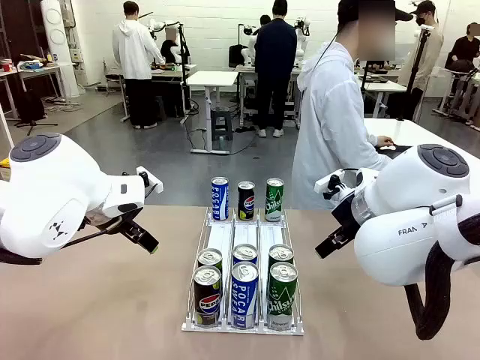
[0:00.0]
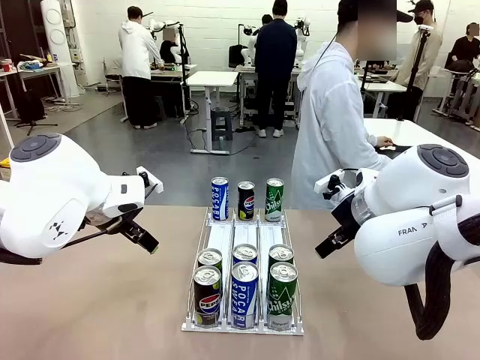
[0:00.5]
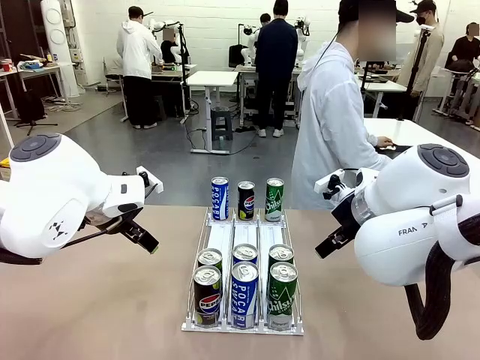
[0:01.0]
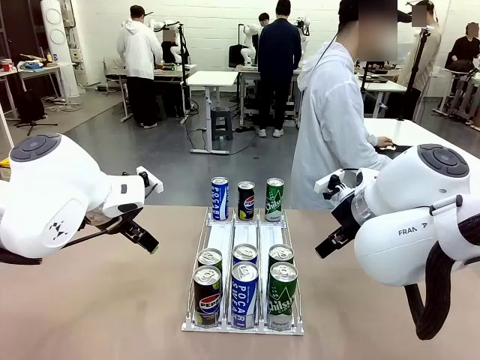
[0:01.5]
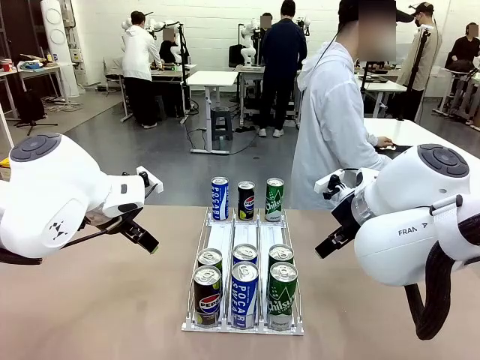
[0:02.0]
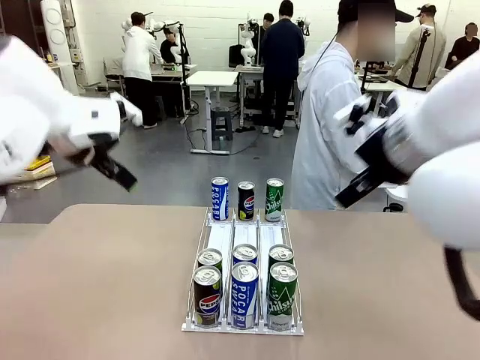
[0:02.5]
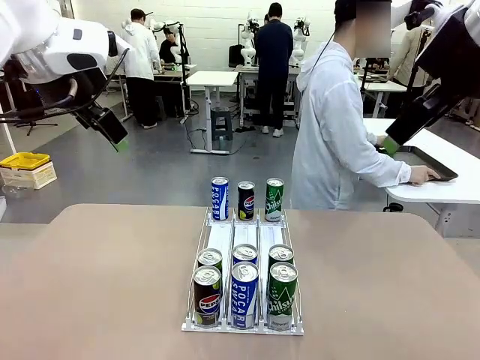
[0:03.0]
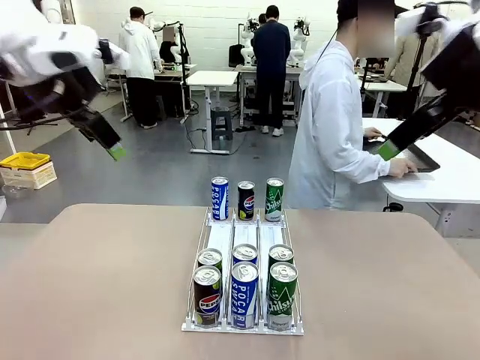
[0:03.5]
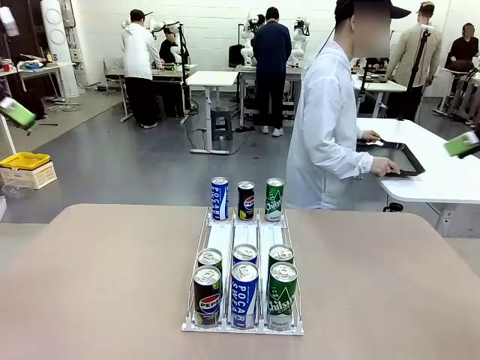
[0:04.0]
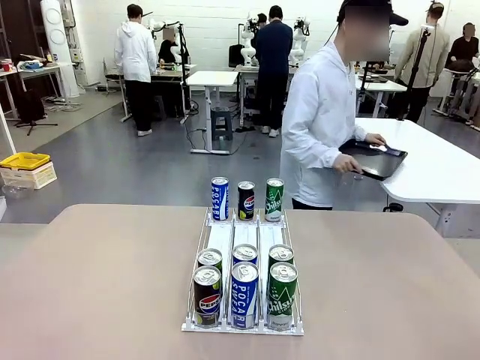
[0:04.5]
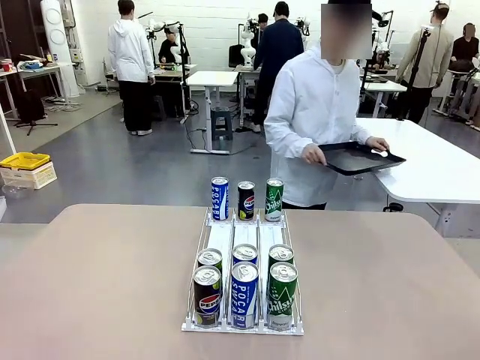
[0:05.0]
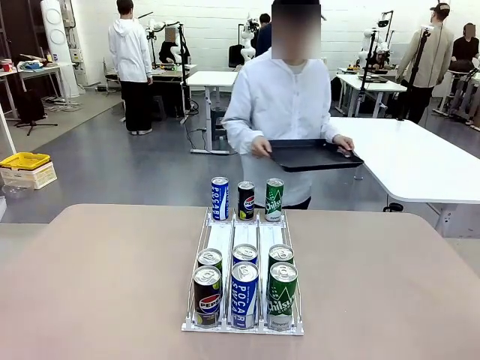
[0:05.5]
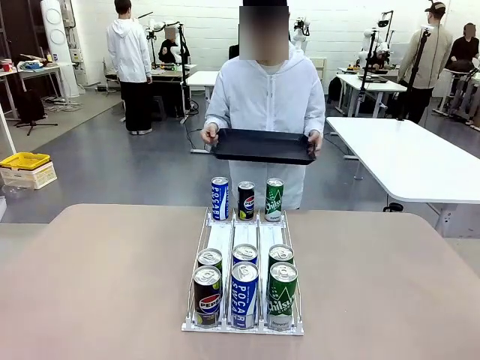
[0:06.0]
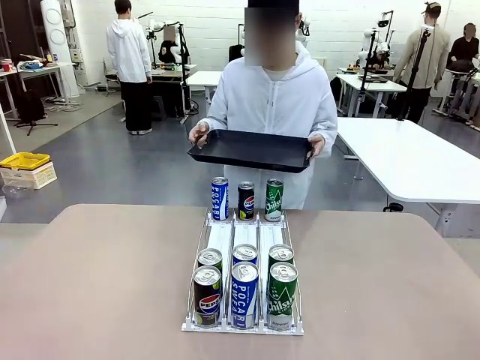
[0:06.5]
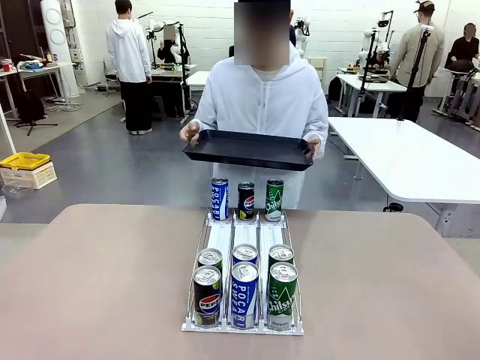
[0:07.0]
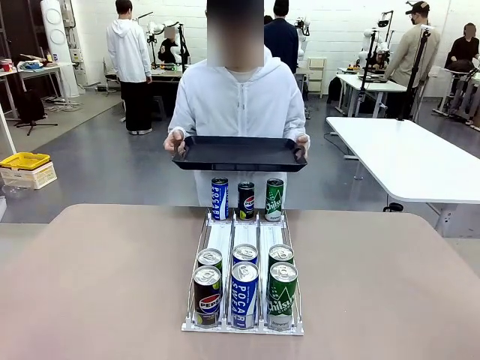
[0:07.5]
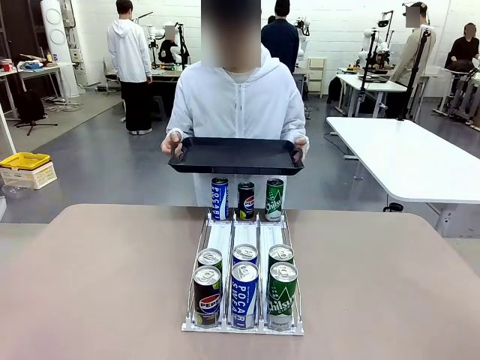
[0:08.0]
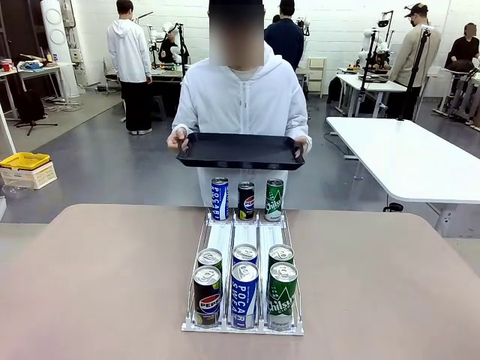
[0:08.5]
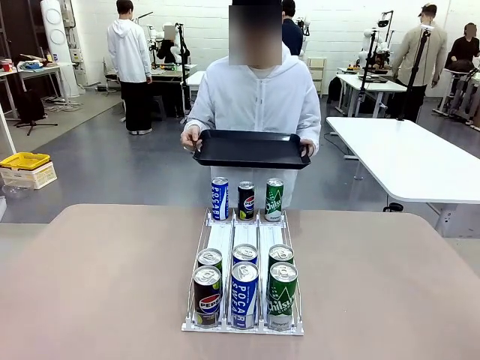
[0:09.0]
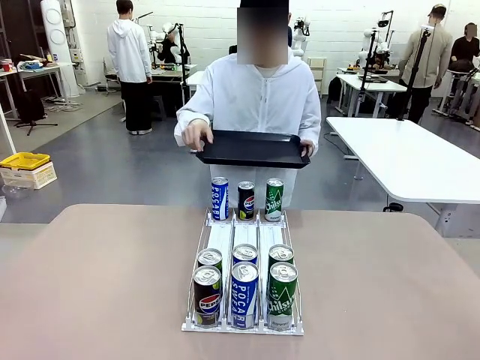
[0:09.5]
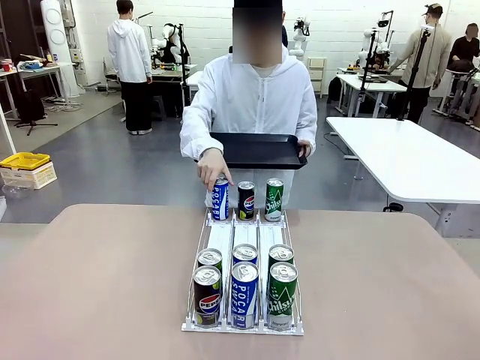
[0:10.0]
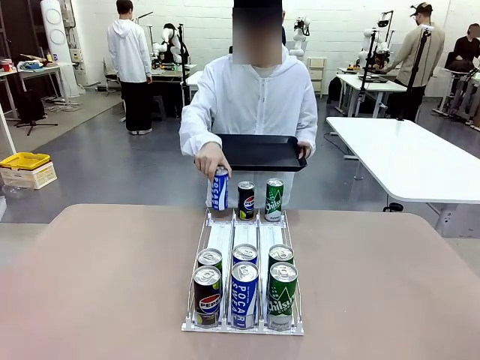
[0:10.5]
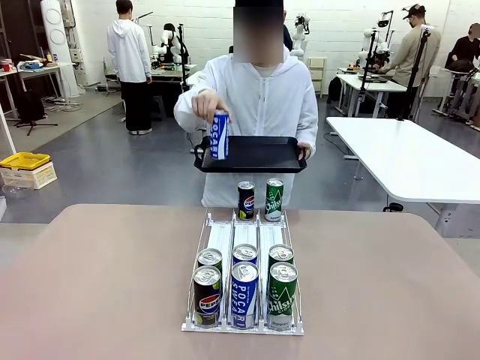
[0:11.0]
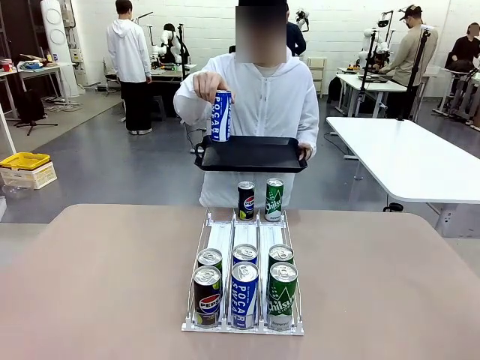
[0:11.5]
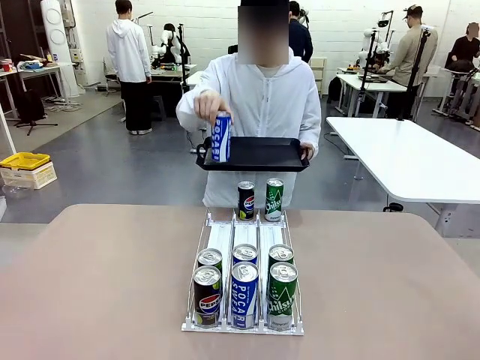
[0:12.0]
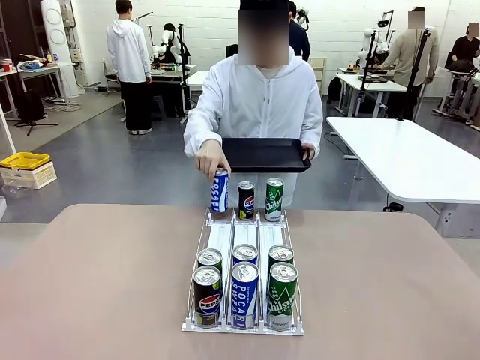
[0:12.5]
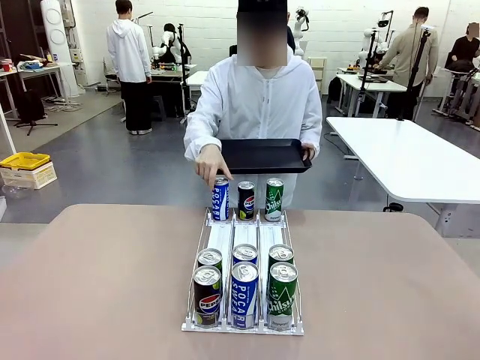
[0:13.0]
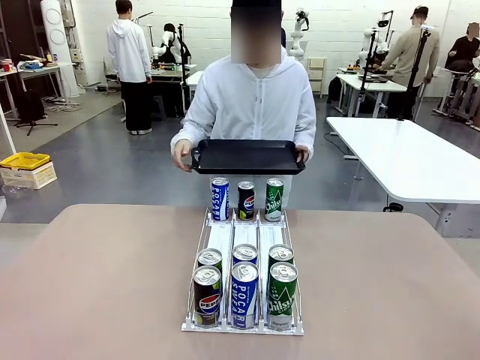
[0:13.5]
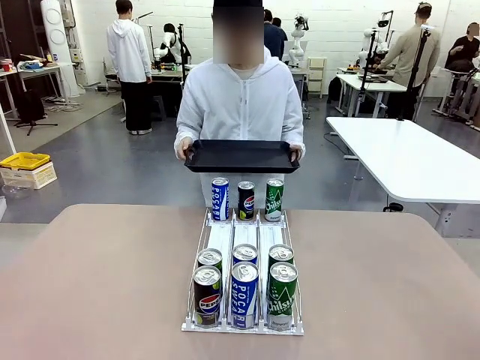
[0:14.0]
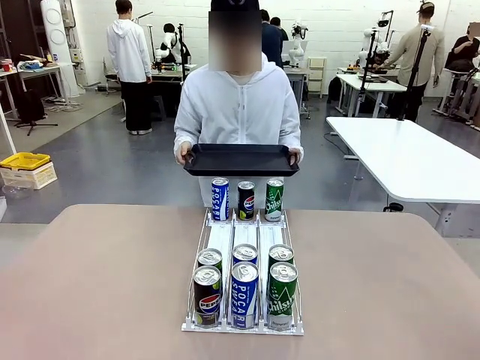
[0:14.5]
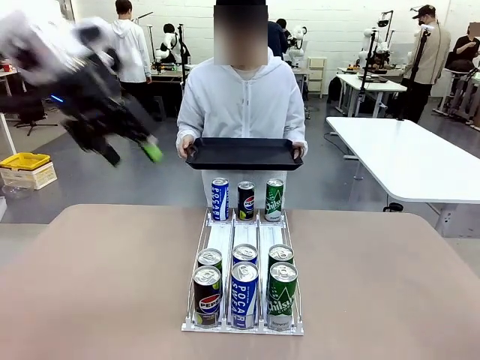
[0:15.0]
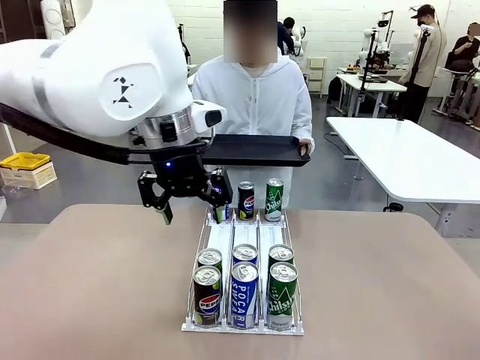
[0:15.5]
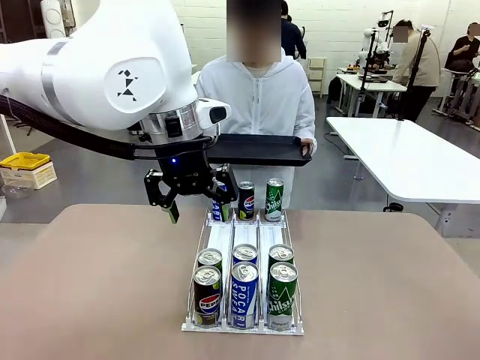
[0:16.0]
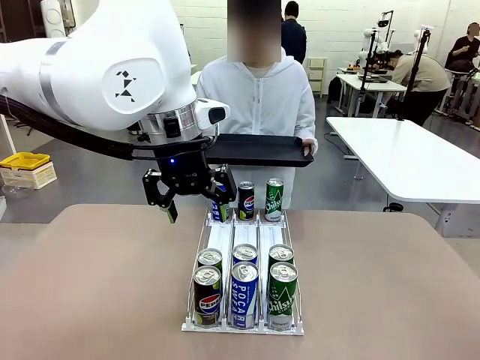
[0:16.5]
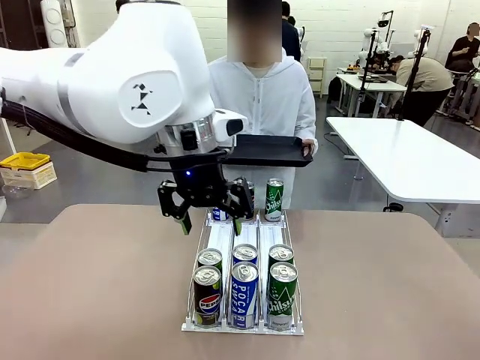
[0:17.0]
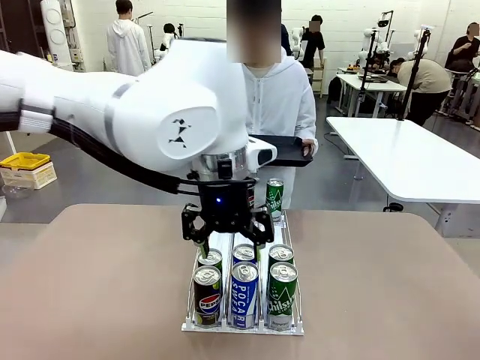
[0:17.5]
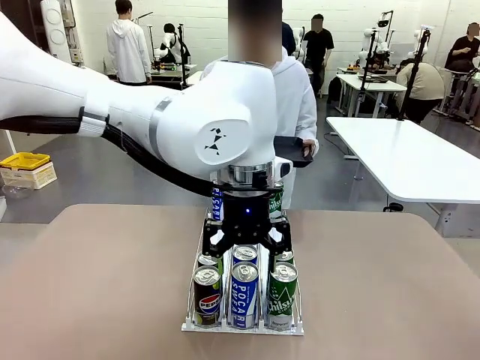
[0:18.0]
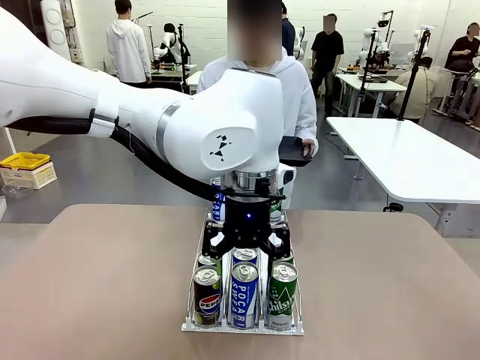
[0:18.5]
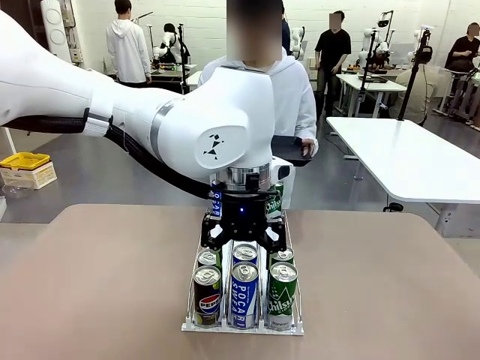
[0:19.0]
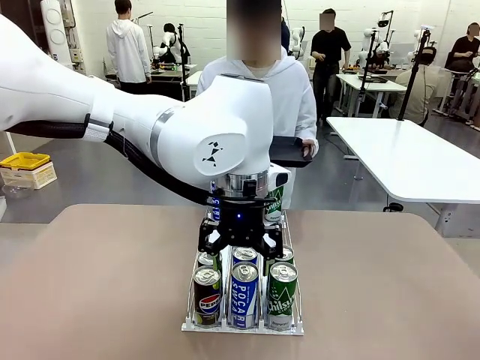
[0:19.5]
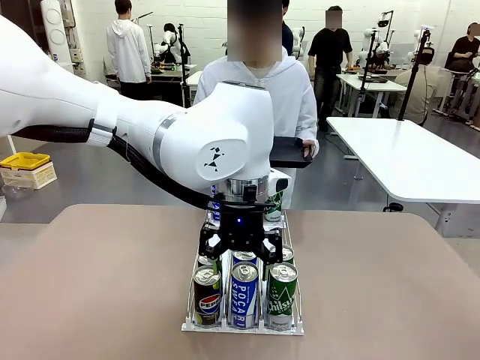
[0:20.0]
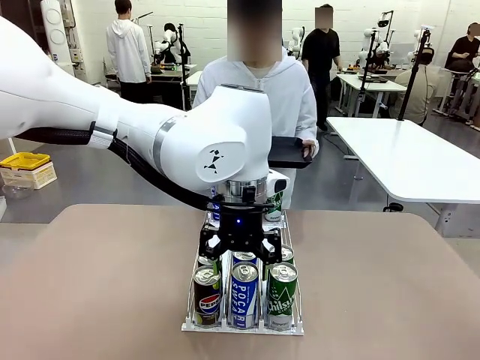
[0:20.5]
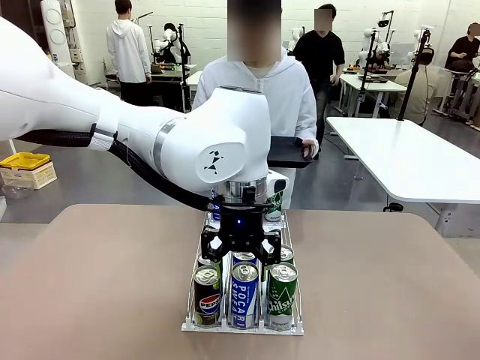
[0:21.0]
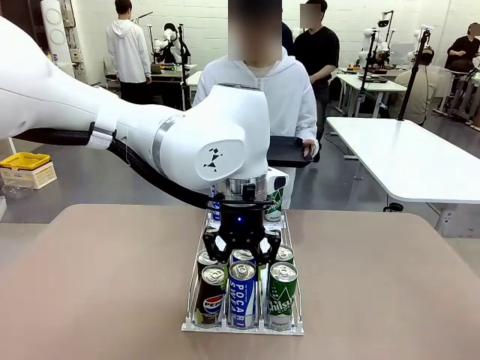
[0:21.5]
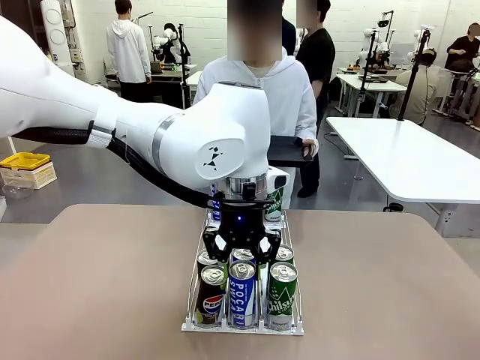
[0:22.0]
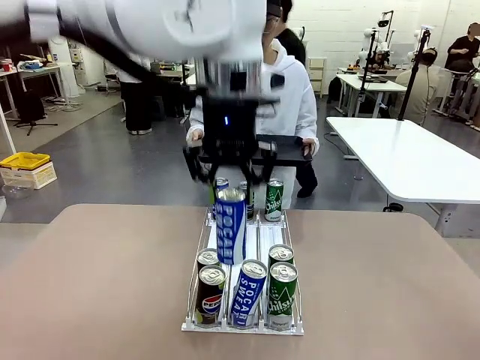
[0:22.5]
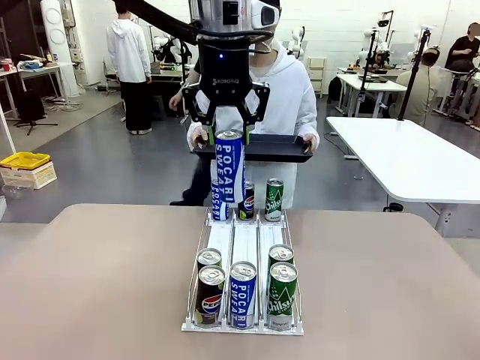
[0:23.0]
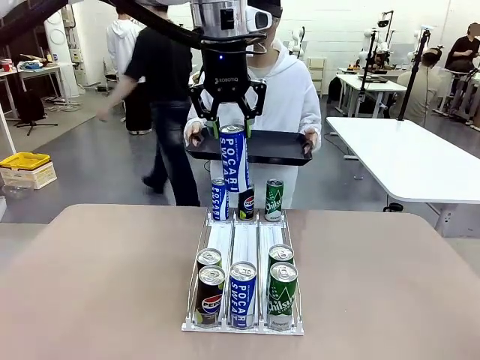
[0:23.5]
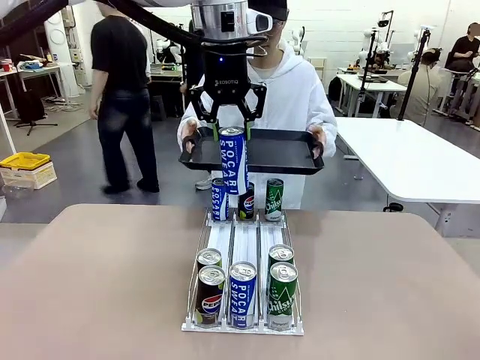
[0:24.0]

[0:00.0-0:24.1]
Task: Retrieve and hand over the desired beverage to the person.
Robot: Pick up a can of the same type that the person held from the Automatic Can Dispenser.
Person: Hold the tray and position yourself in front of the robot table. Pick up one can from the bottom area of the table and puts it back in its original place. Push the tray toward the robot.

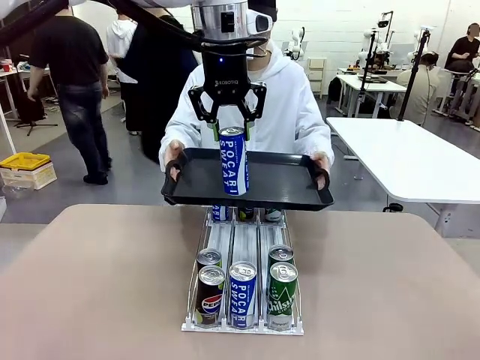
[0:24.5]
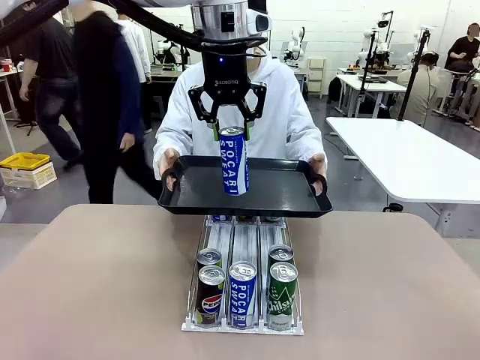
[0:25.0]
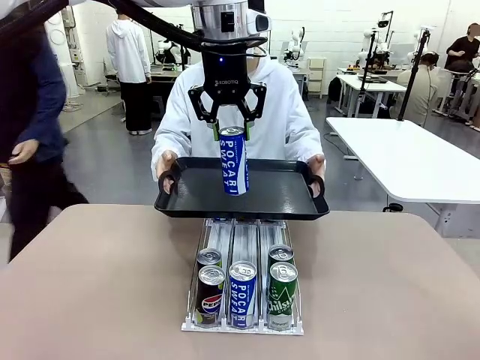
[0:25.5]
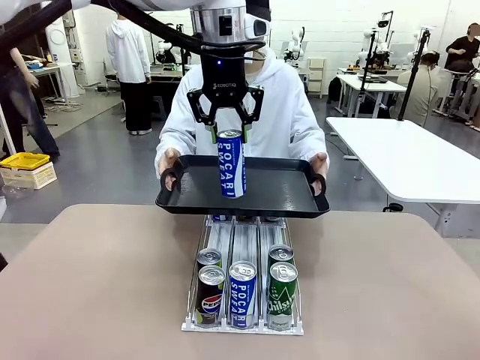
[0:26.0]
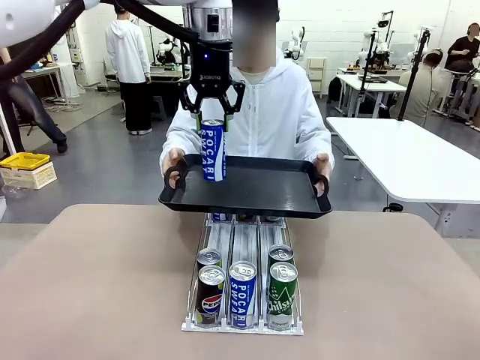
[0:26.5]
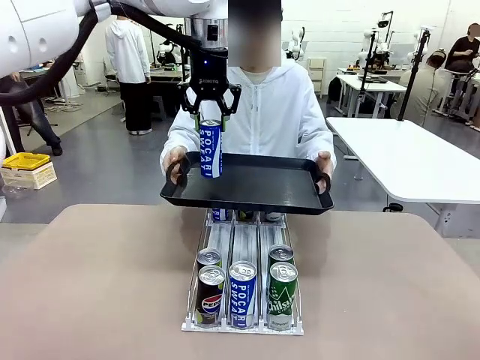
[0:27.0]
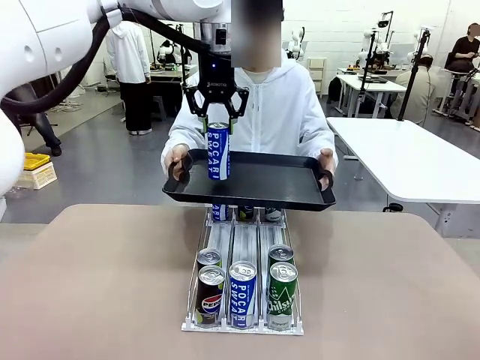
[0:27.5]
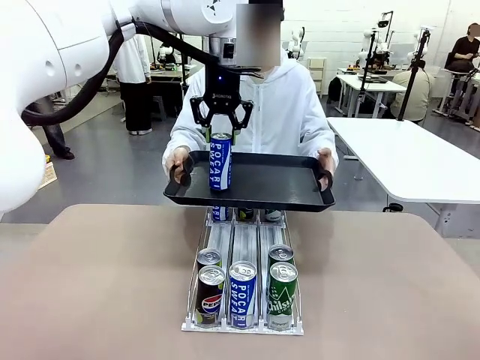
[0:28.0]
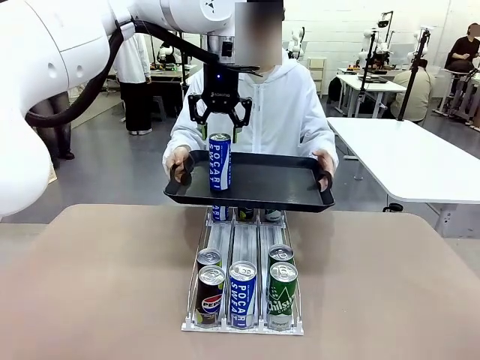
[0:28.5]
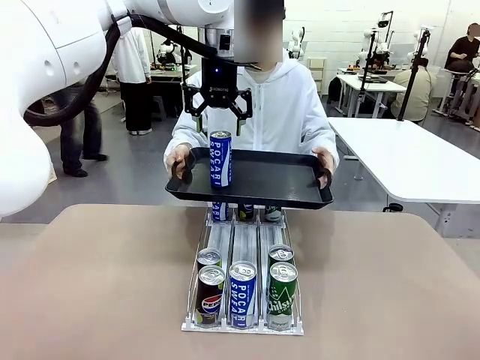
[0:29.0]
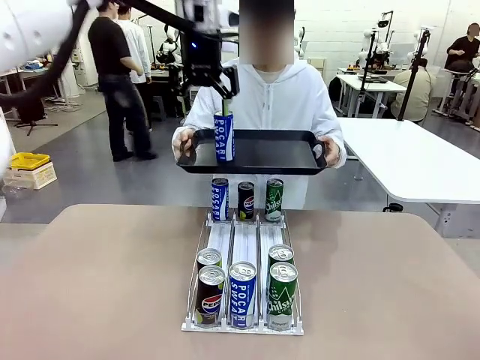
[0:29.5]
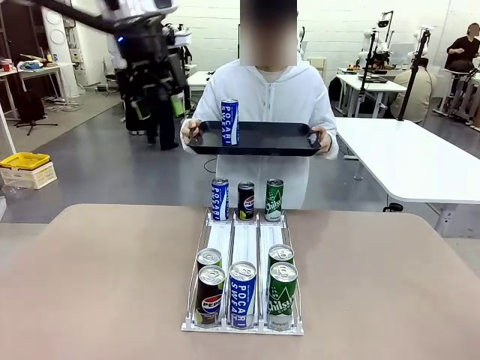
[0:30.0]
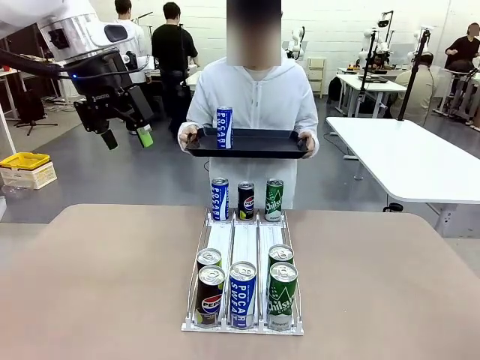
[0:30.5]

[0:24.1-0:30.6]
Robot: Place the picked can on the Handle tray extended by the person.
